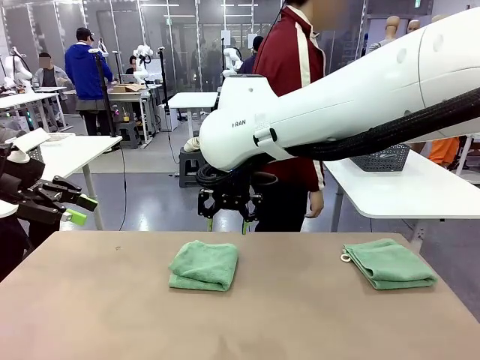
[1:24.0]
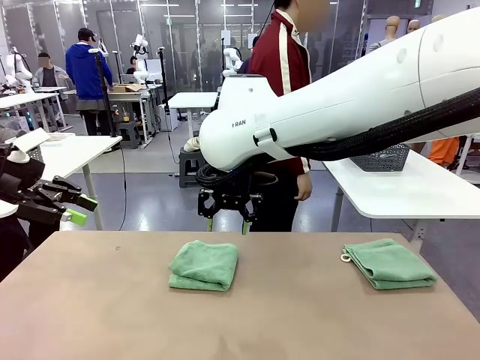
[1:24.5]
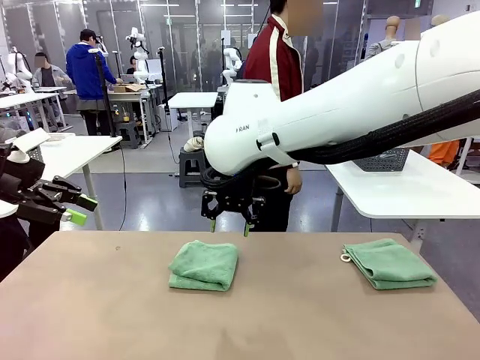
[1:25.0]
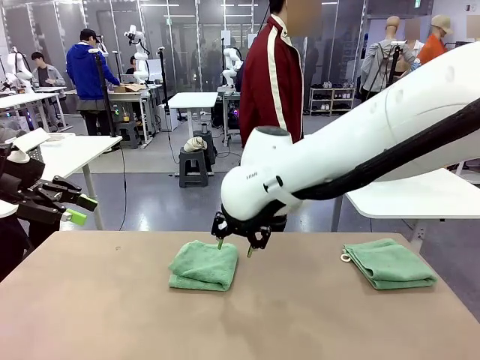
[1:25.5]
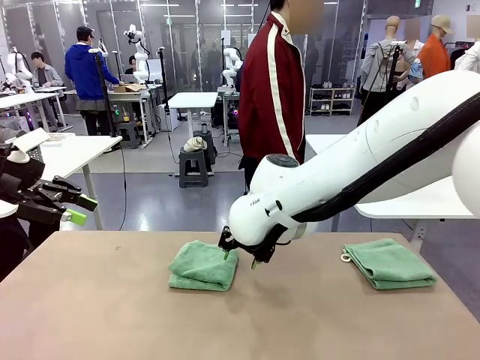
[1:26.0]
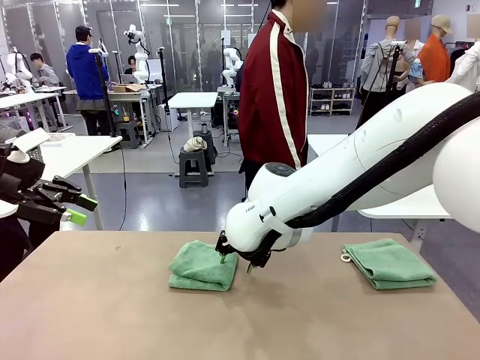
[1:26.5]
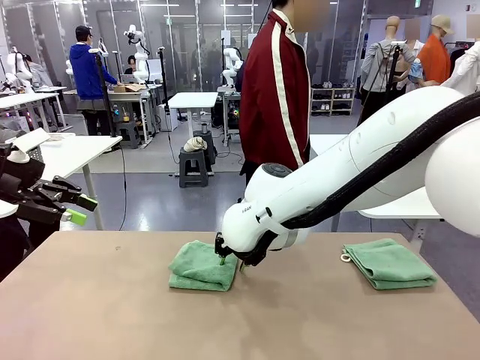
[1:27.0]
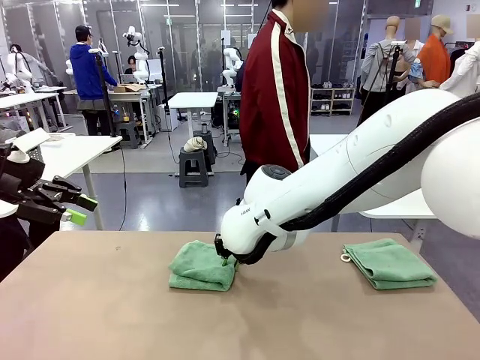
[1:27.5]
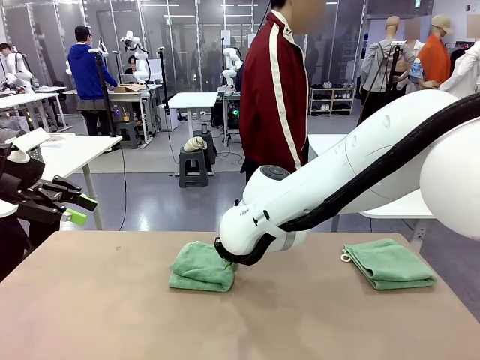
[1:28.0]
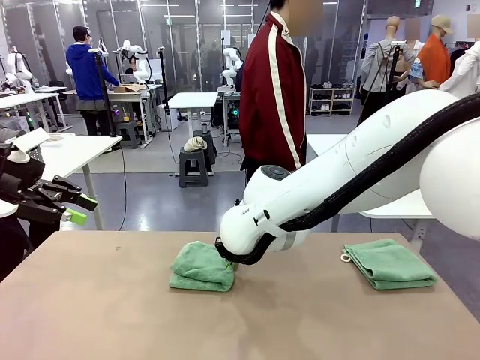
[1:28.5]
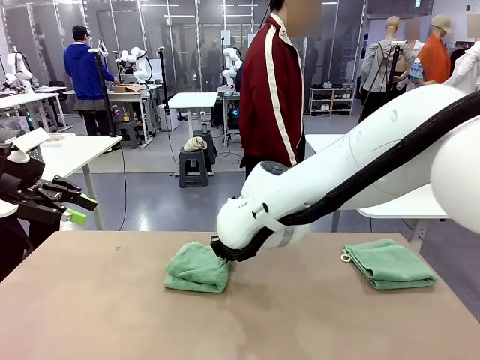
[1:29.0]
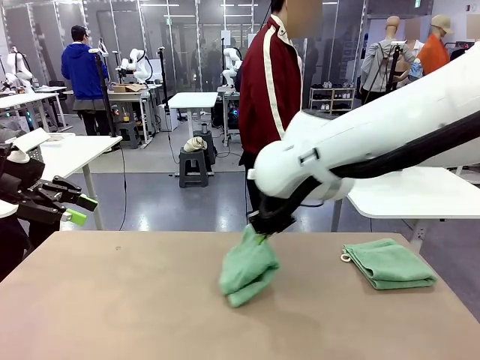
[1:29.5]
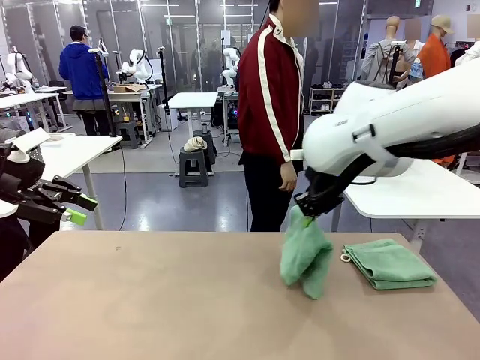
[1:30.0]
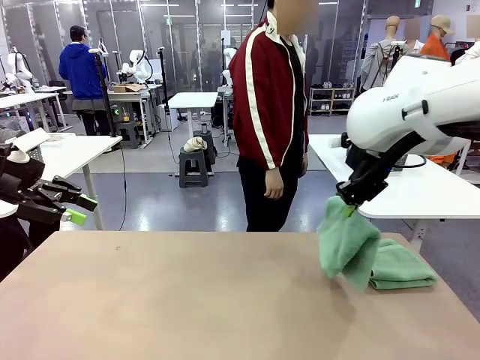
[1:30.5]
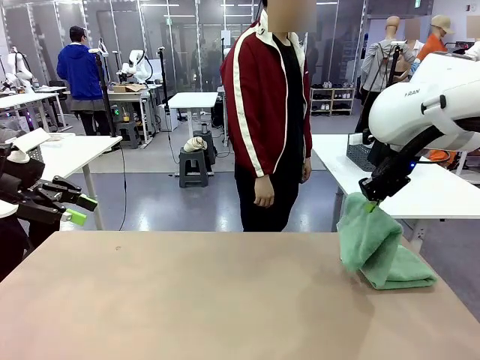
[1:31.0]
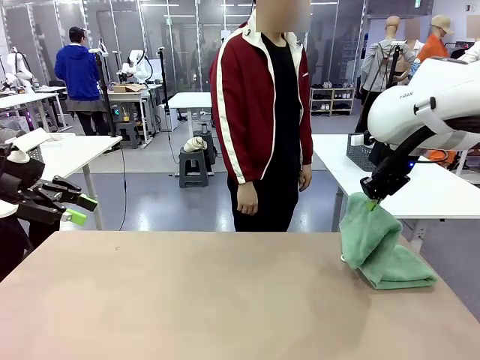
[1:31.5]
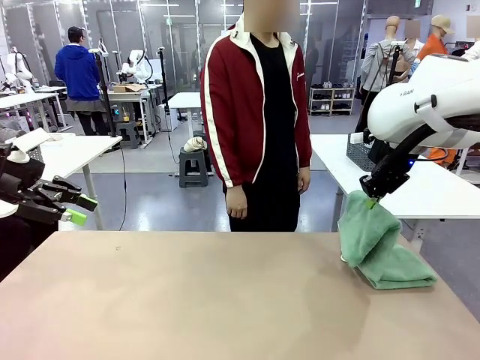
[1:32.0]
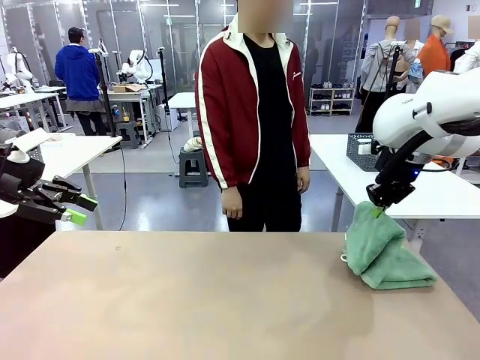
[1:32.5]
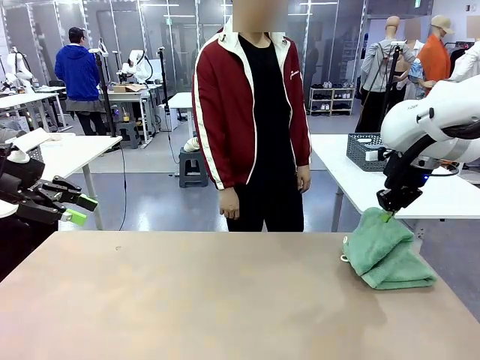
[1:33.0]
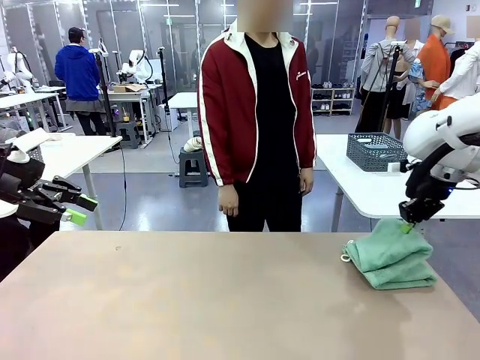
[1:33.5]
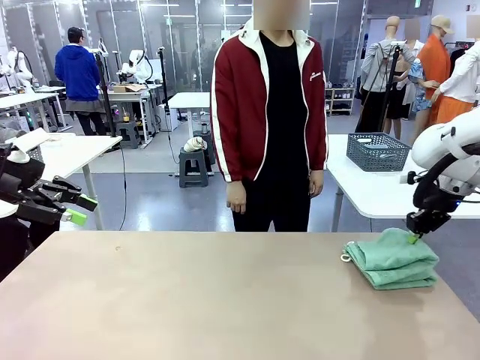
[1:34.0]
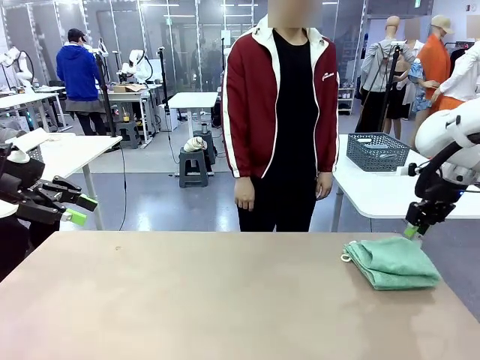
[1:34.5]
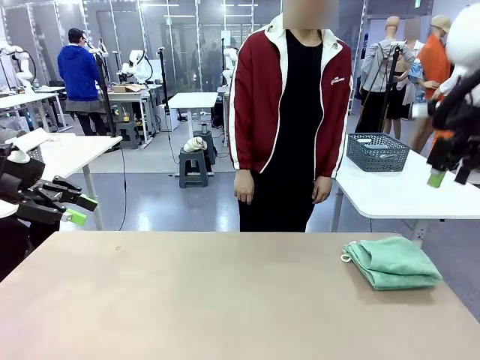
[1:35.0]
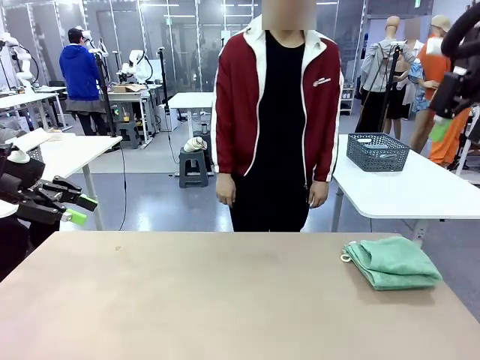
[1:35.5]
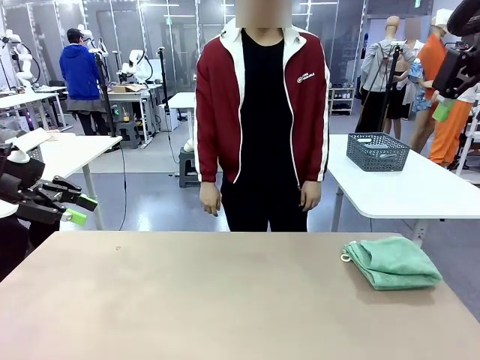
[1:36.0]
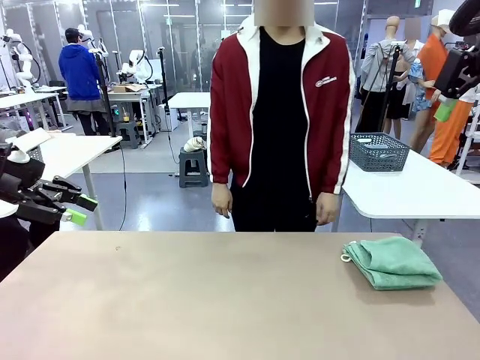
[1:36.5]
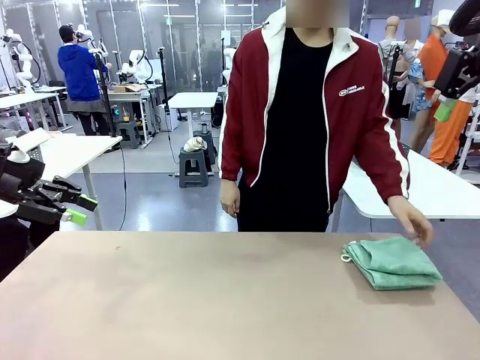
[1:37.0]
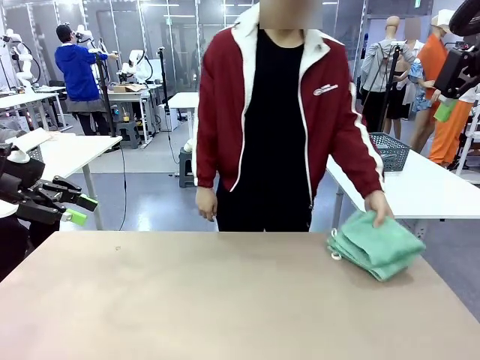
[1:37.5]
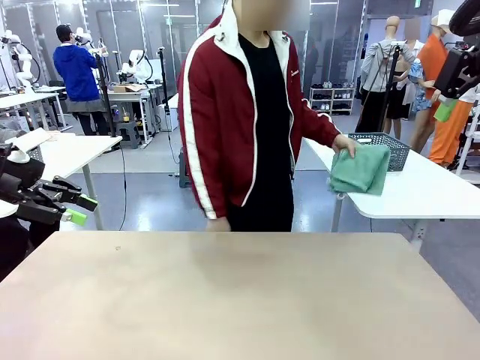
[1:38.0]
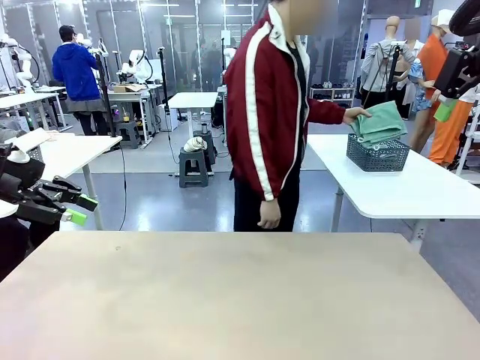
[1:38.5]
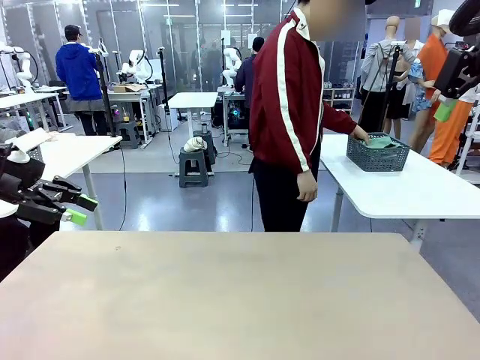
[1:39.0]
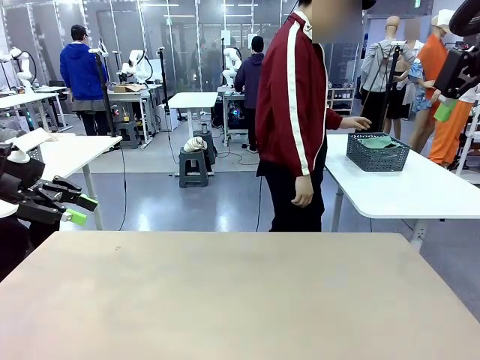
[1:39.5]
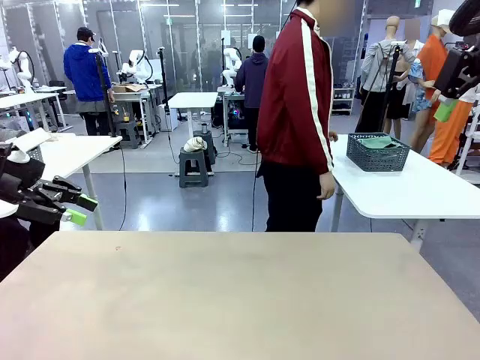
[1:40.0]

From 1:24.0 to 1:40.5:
Task: Fold the towels and place them in the basket.
Robot: Stack the folded Towel with hook on the right side of the table.
Person: Pick up the stack of towels from the robot table and place it into the basket.
